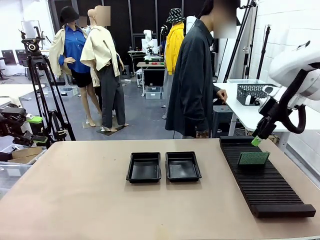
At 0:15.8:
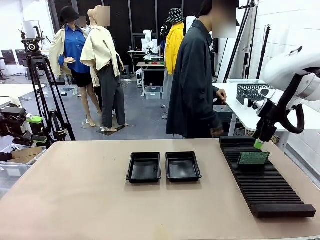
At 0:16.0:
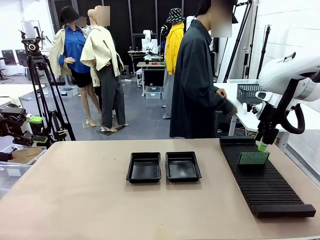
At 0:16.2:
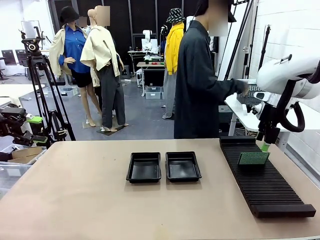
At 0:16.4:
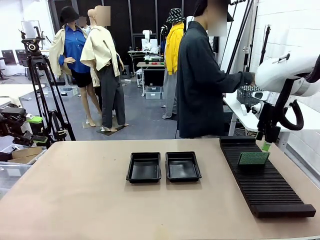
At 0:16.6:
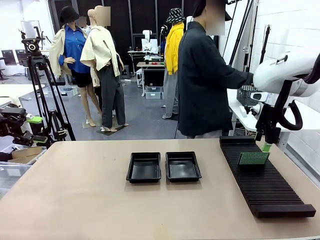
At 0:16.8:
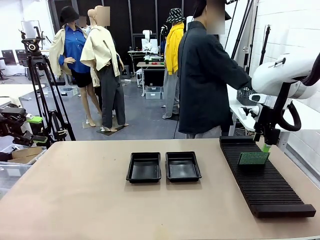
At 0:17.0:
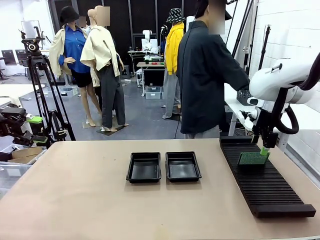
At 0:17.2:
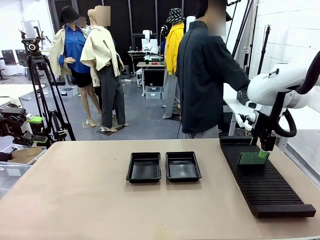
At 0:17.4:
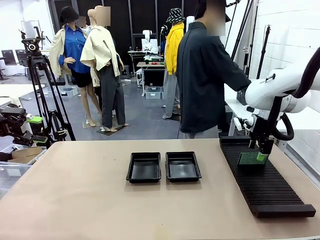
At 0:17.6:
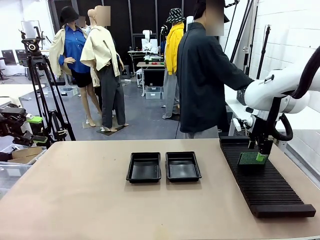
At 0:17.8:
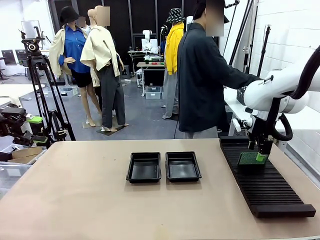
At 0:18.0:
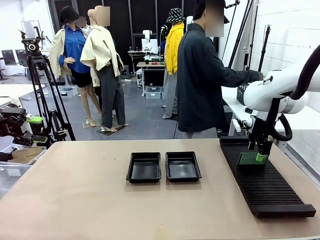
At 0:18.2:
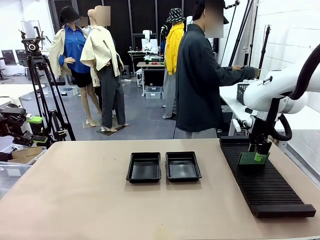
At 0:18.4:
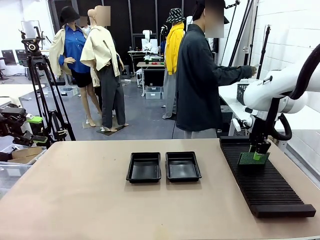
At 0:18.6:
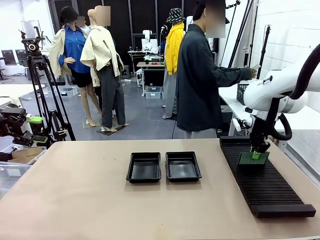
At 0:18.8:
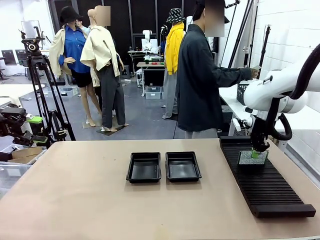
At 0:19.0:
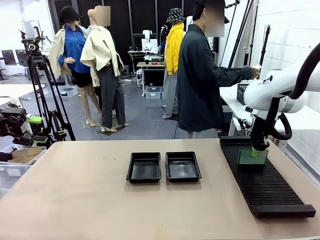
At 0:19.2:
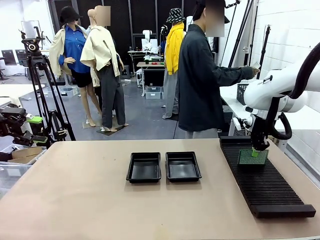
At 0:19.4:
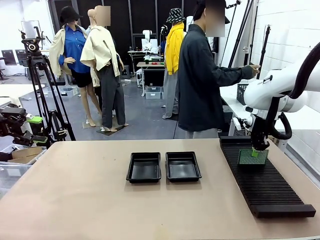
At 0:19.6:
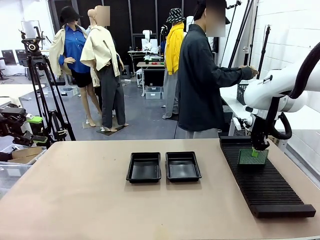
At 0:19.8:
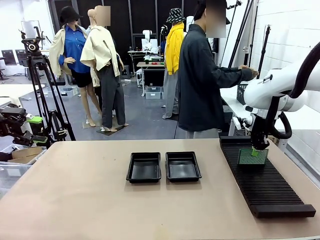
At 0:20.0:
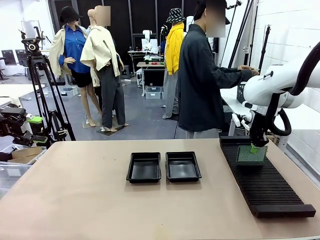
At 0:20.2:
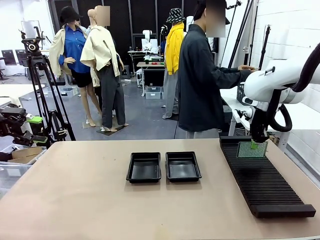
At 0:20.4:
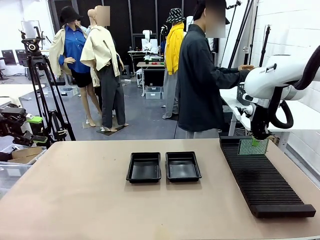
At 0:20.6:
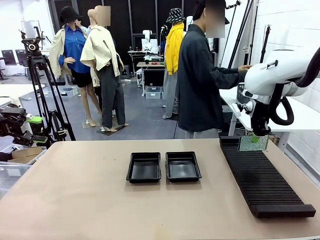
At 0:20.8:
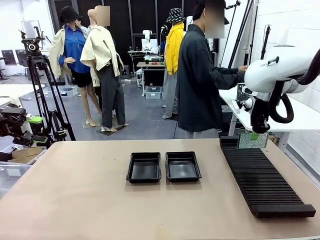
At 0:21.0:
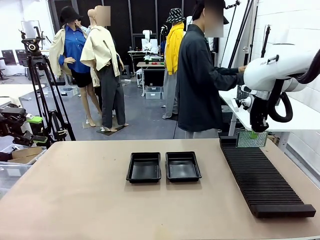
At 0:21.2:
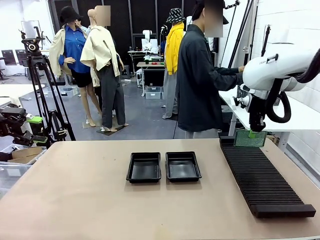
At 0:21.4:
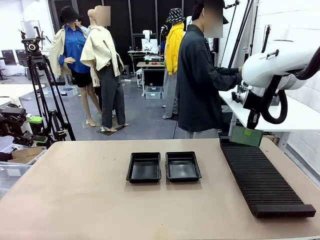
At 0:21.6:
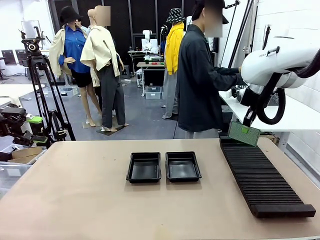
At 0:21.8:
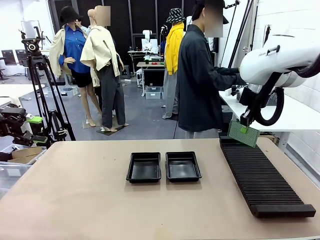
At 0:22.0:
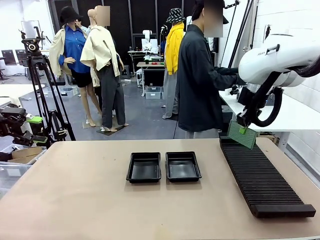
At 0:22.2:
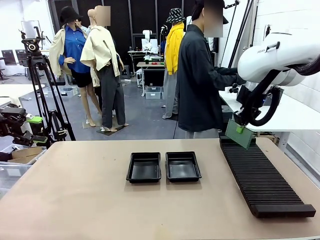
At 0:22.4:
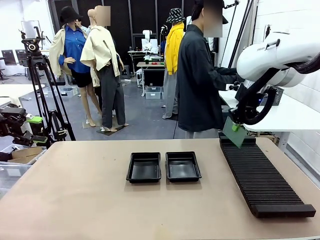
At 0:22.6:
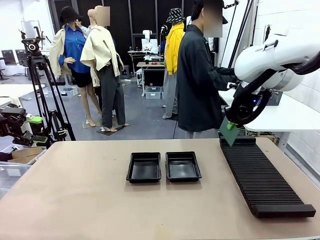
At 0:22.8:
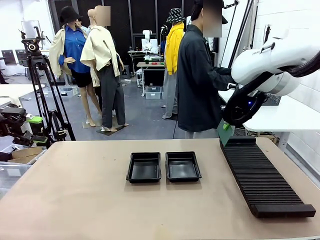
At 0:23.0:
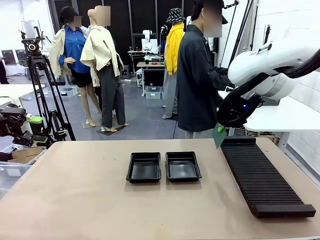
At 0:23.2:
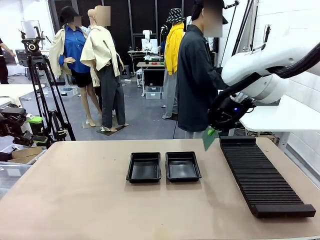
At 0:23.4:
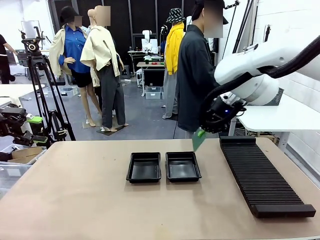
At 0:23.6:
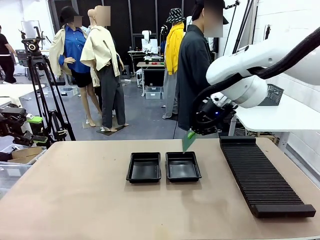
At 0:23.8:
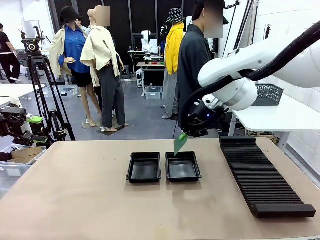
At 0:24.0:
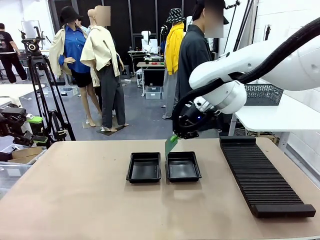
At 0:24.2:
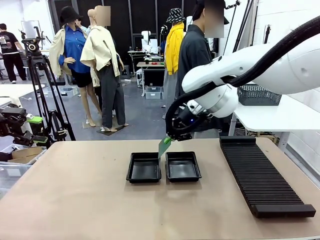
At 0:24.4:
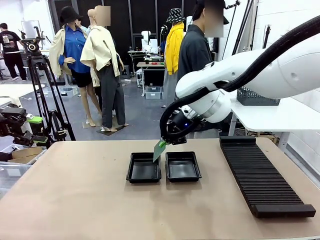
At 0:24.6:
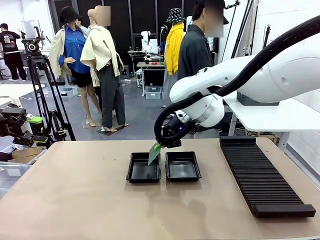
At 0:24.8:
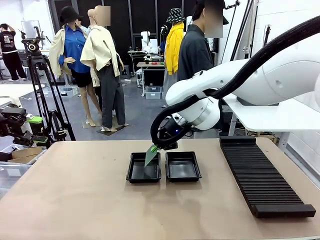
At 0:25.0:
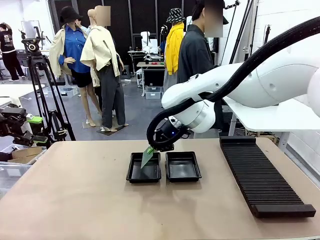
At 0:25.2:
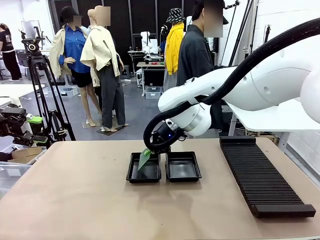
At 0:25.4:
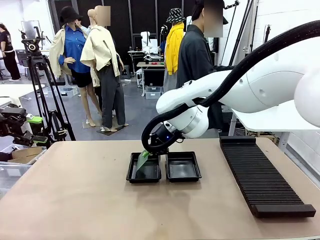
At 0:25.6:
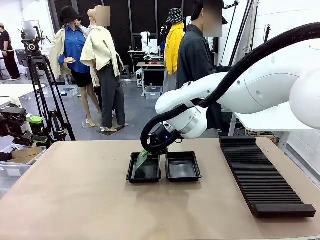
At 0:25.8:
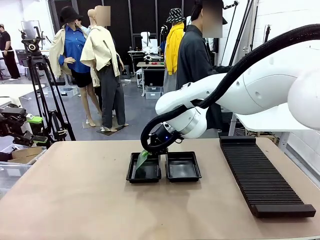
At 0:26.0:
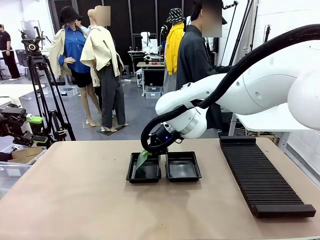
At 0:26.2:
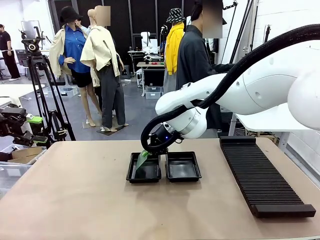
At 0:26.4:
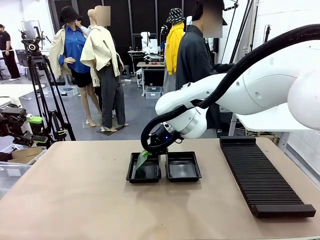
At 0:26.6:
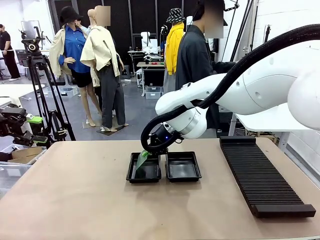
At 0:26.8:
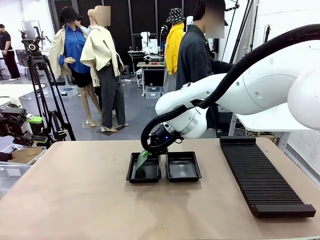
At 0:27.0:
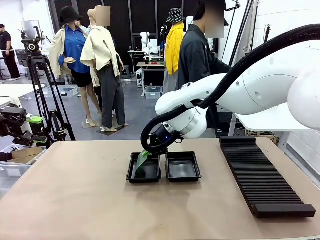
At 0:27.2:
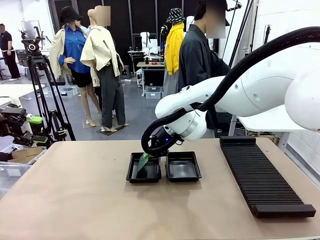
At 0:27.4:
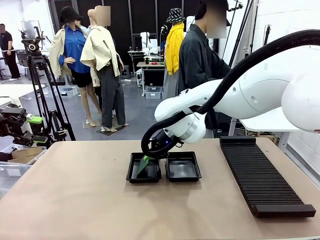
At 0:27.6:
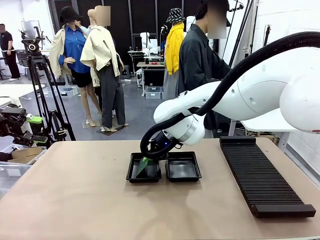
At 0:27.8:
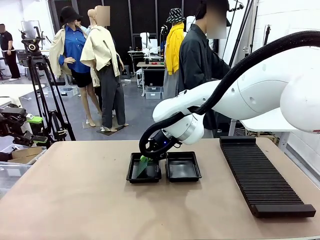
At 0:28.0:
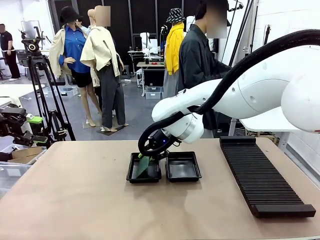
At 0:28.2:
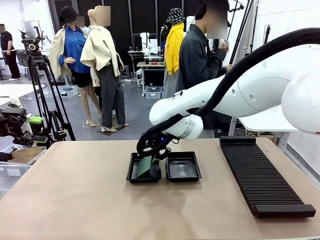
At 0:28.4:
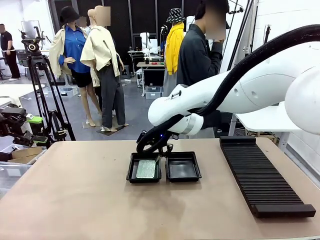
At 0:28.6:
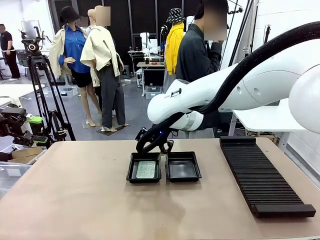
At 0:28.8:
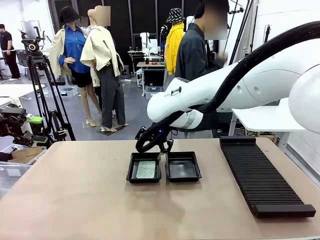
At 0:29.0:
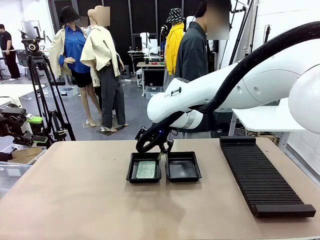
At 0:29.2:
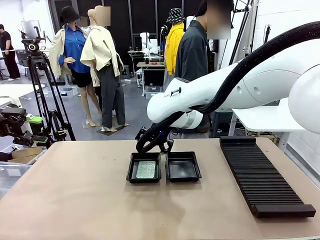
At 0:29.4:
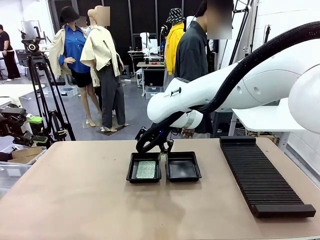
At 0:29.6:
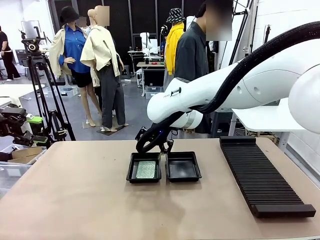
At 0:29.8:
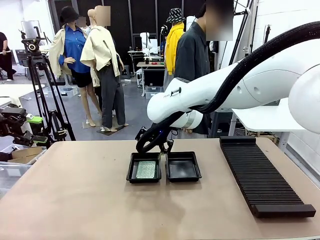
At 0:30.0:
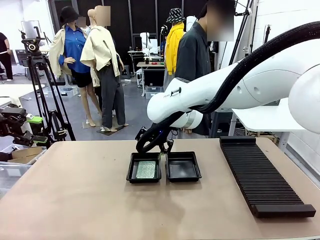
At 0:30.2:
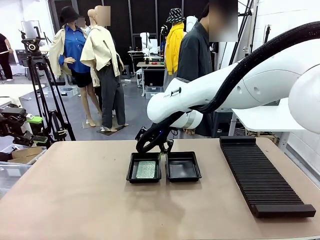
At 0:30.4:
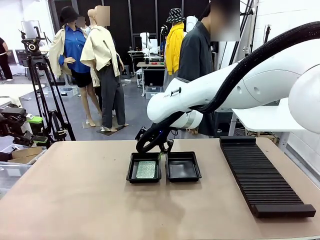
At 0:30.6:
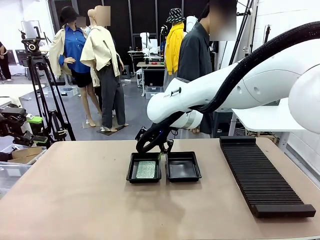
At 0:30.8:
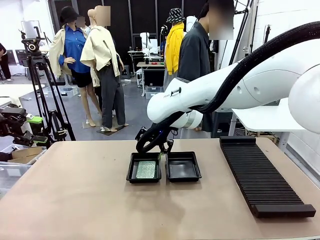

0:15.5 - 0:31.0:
Task: Inspect and transfer BCBs to ESD trays.
Robot: Pick up the Blank PCB from the PCB Rack and place it in the left ESD tray.
